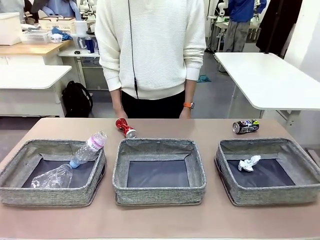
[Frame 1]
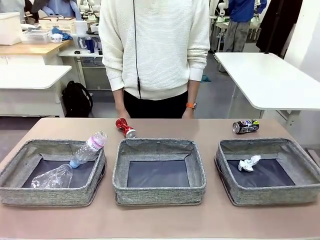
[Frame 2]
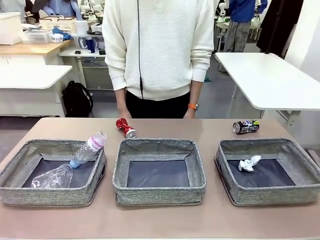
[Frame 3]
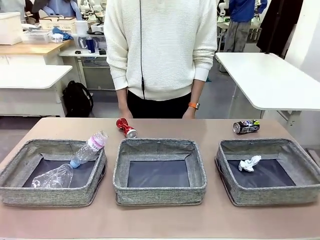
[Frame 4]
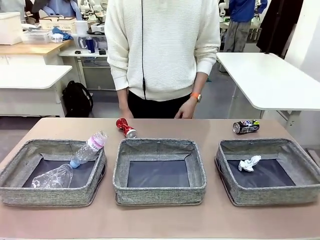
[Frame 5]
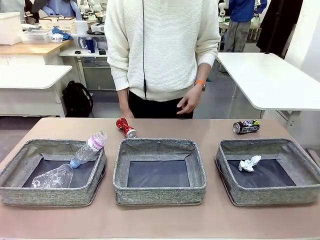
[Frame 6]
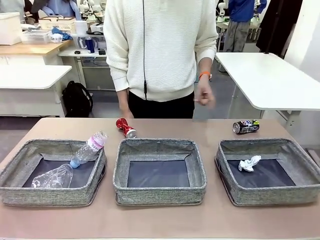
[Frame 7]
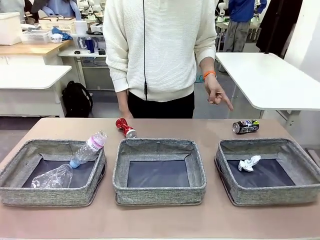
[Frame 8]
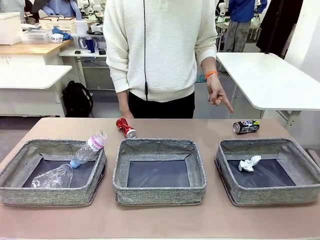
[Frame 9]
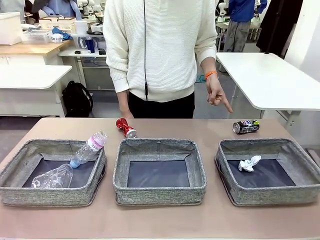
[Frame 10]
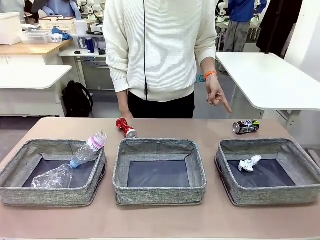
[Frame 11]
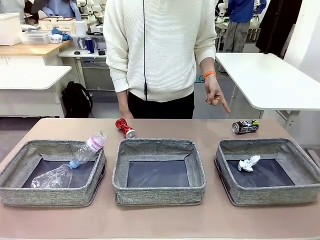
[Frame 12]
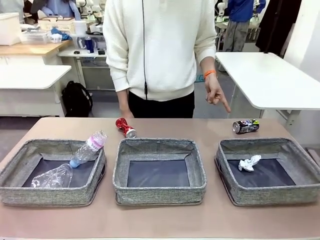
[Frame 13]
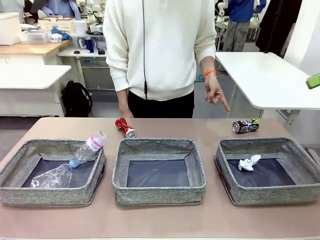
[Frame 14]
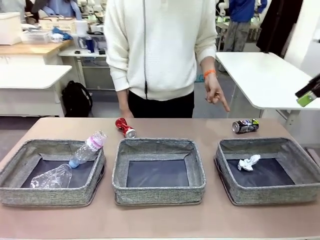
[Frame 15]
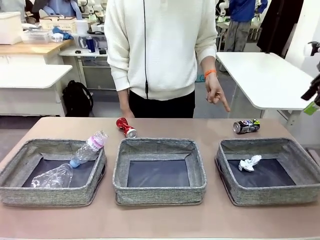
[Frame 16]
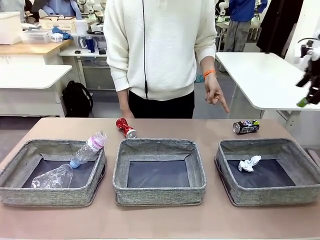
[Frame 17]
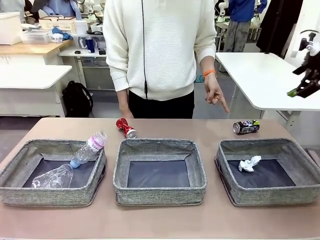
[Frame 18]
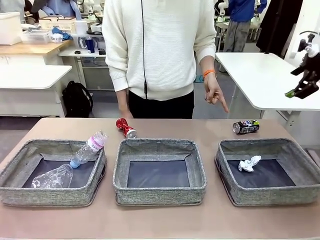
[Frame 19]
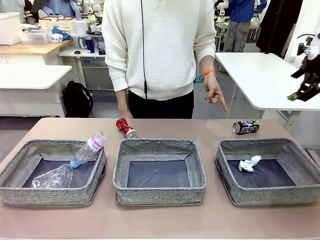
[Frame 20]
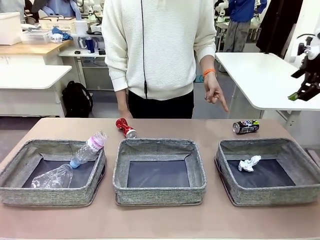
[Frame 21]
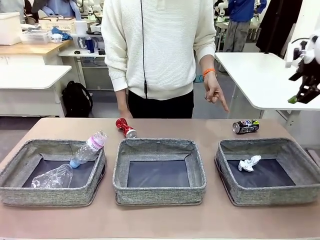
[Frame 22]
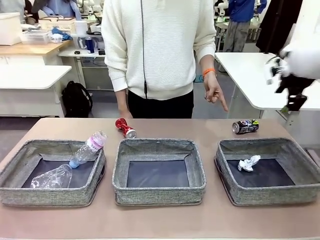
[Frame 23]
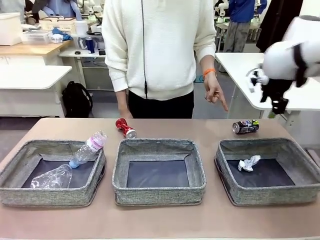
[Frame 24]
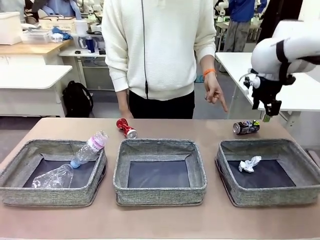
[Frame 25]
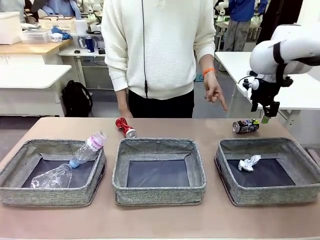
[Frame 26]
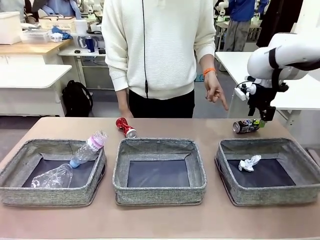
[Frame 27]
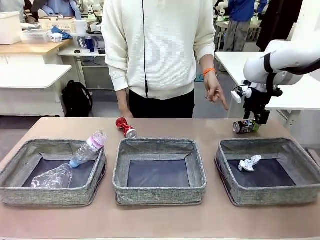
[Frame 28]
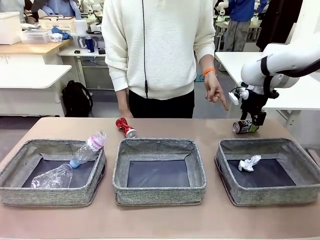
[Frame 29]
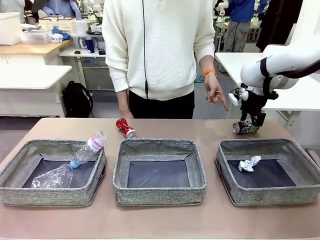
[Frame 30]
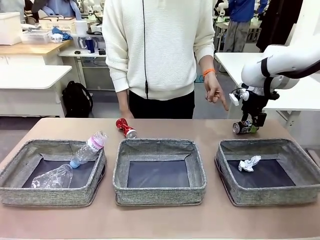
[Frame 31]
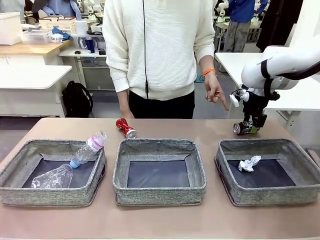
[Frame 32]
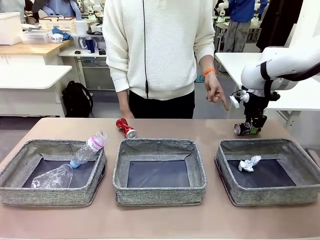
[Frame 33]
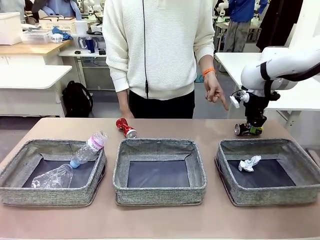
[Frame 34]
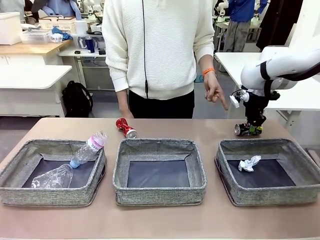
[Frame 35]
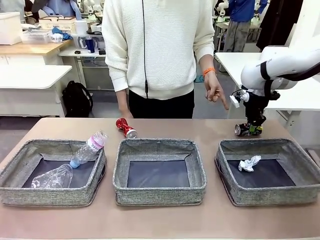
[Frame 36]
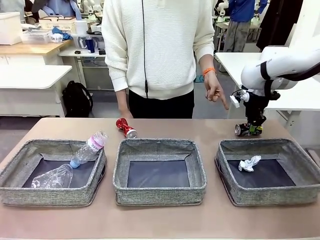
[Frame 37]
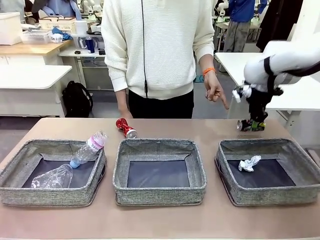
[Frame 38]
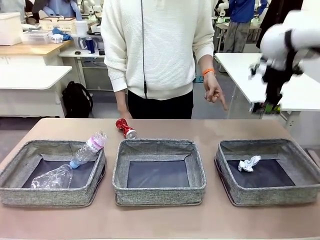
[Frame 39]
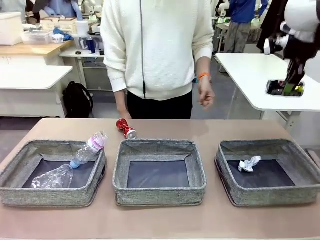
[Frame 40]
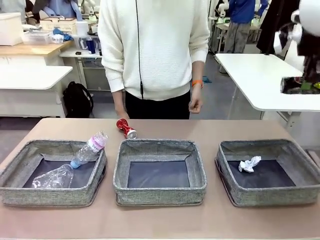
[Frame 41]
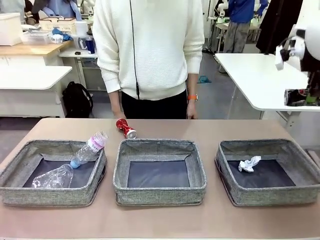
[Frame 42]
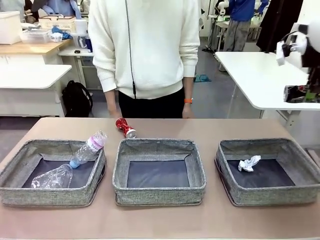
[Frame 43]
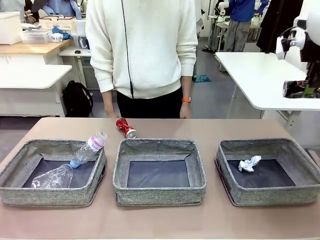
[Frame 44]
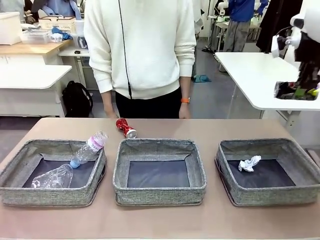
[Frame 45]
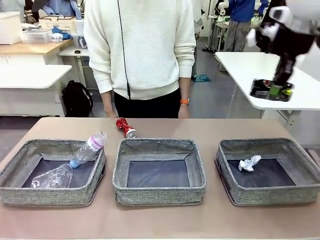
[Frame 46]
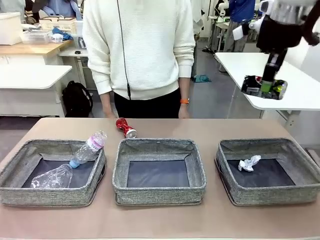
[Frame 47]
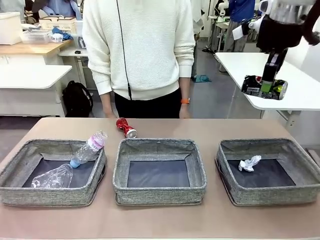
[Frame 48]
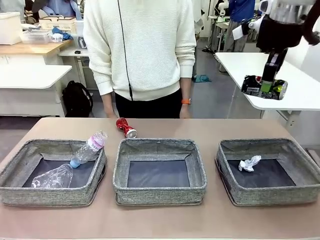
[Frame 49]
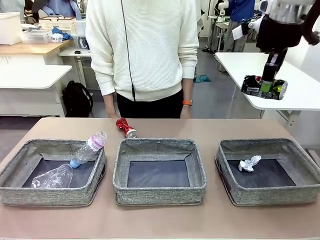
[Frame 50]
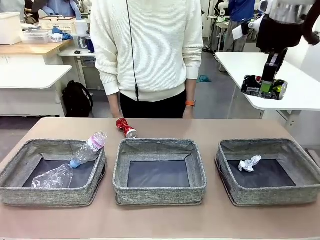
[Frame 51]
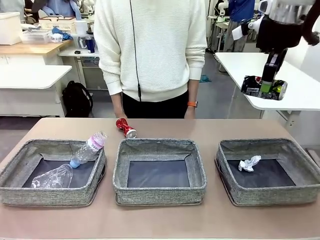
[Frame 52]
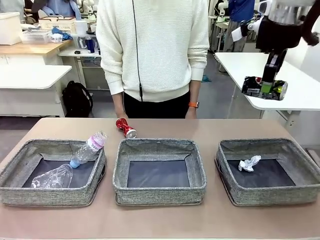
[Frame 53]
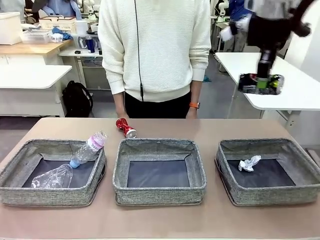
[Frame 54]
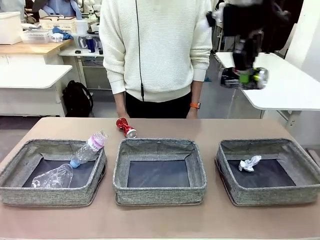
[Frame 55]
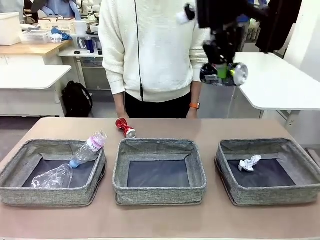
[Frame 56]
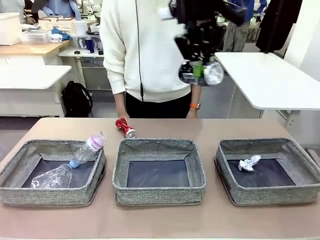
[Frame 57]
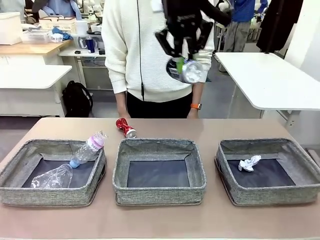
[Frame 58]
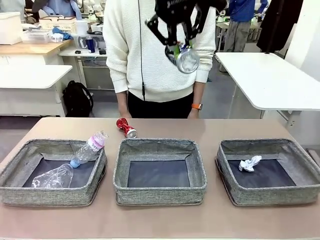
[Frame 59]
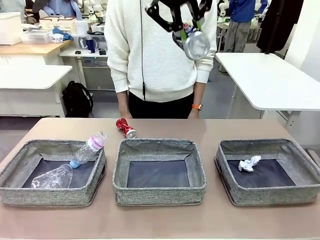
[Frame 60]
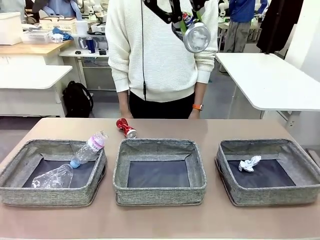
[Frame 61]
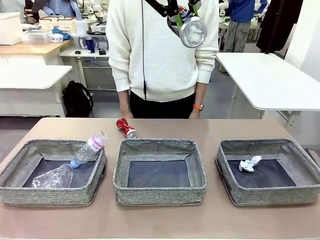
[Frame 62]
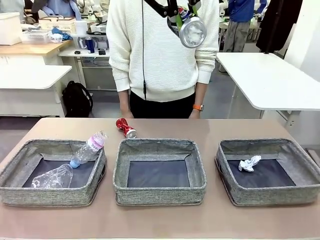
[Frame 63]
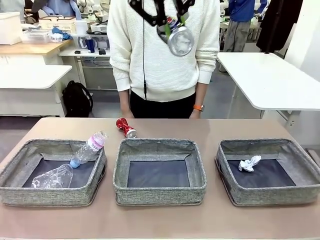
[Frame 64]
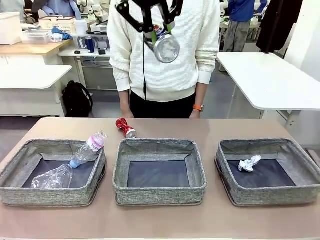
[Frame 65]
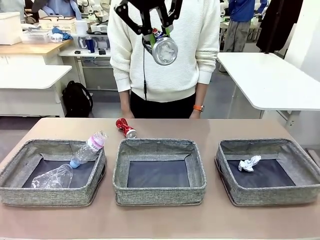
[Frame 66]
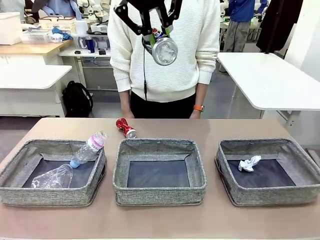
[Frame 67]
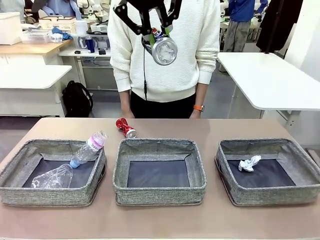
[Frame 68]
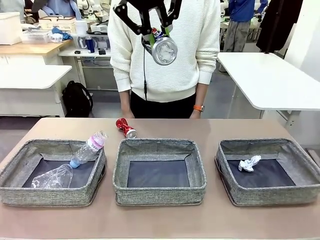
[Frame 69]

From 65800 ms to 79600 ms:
Task: Sort the waste into the appropriate baskets.
Robot: Pick up the waste item pointed out by the person.
Person: Points to one piece of trash on the table.

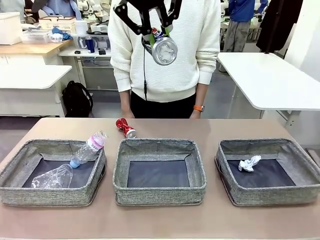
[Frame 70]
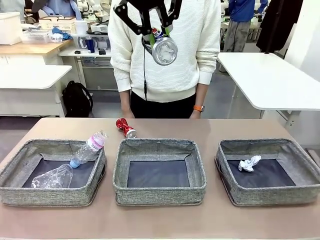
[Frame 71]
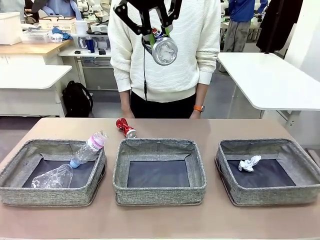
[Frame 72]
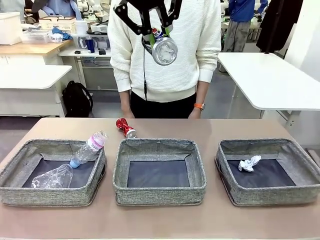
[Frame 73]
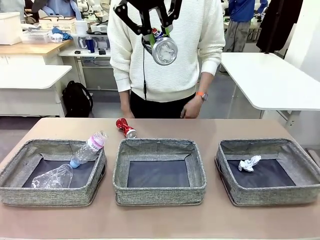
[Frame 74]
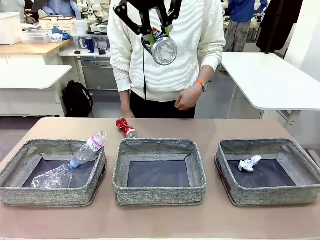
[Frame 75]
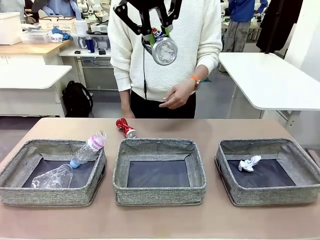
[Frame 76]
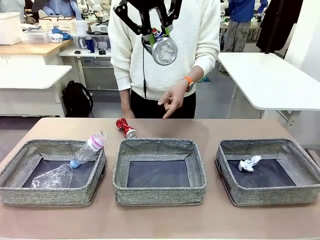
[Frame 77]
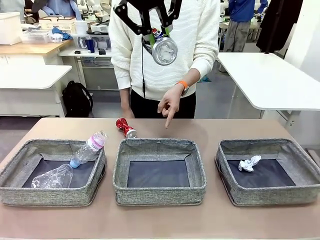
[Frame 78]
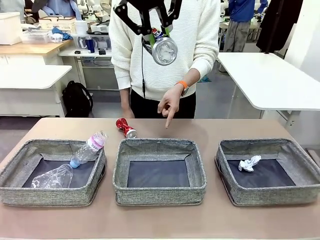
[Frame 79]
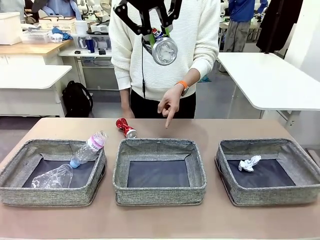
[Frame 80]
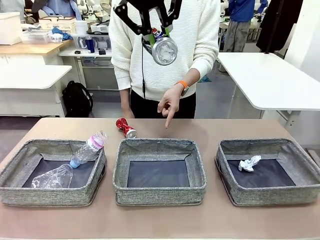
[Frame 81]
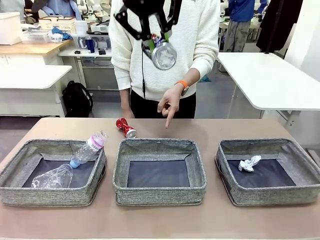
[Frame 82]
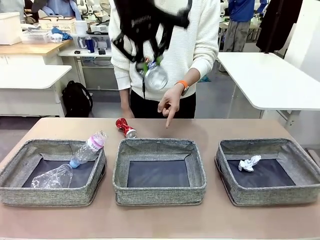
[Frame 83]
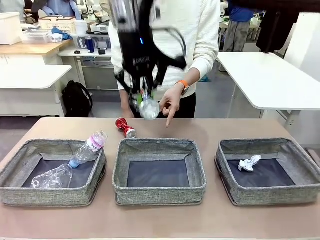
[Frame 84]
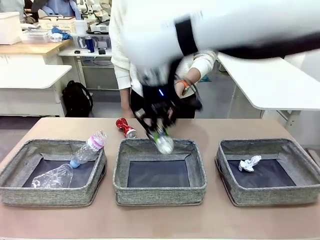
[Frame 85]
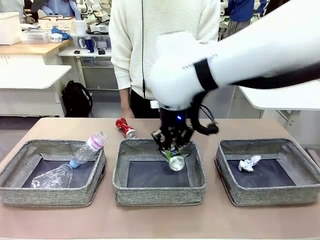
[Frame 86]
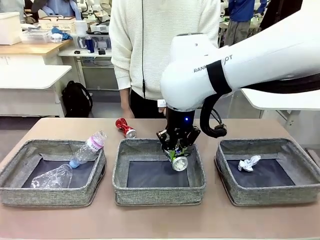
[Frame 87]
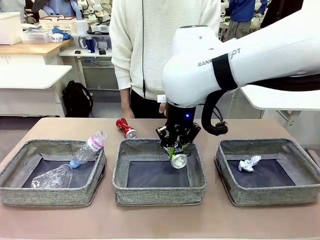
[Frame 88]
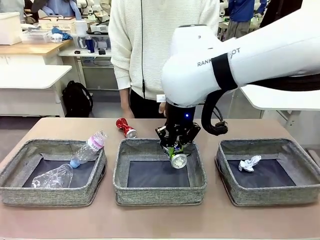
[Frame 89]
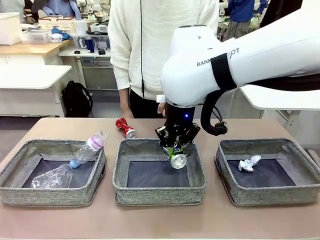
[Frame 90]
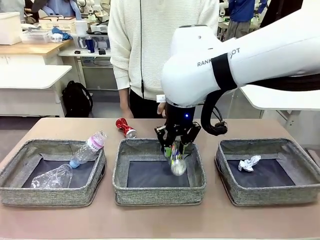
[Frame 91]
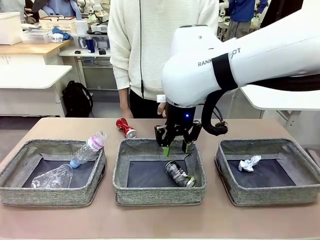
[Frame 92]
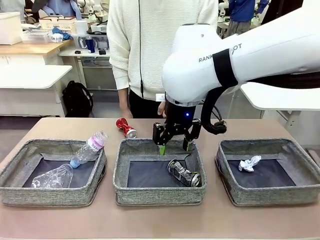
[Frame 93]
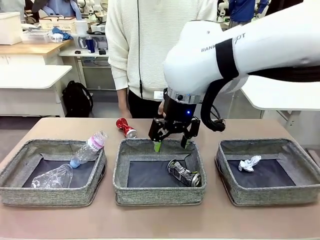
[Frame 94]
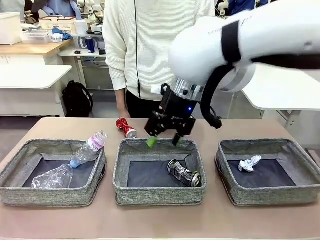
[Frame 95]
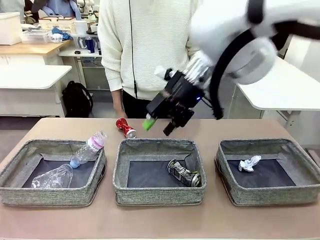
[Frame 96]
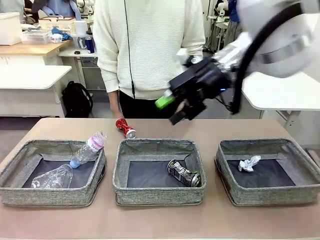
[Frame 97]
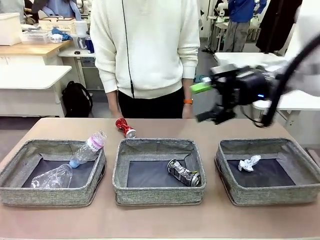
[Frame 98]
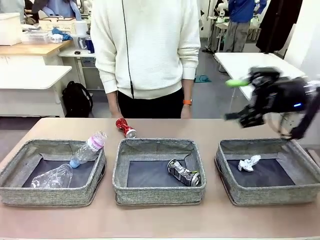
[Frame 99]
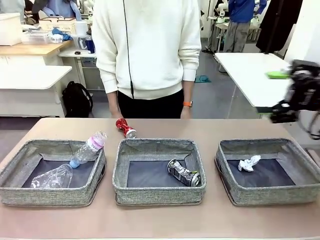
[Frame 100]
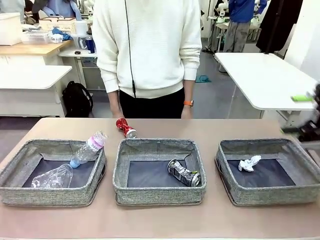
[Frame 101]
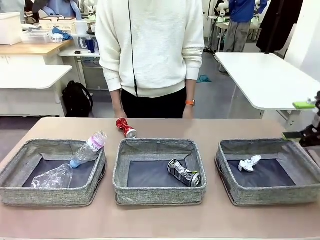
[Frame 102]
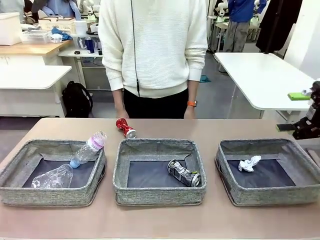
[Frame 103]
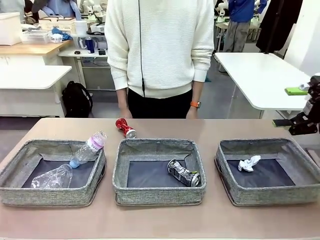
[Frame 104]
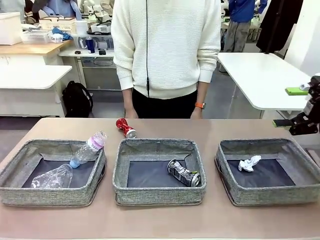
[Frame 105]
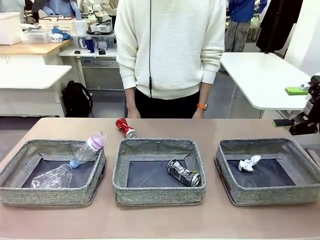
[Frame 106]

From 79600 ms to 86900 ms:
Robot: Place the picked waste into the Fabric basket indicated by the person.
Person: Instructs the robot to place the picked-up trash into the appropriate organizing basket.
